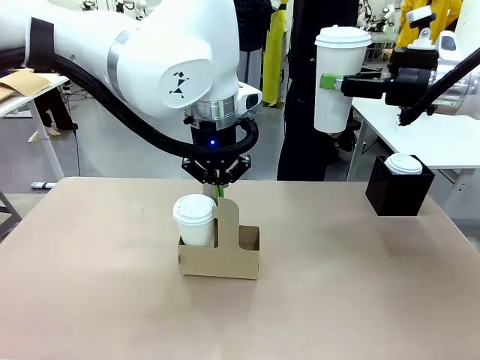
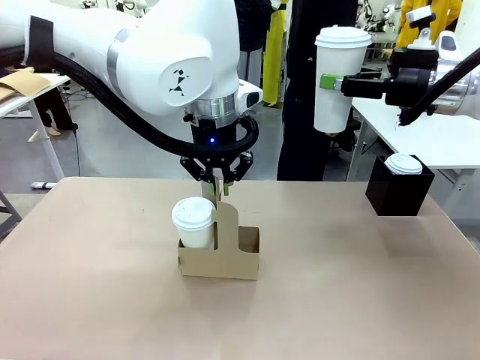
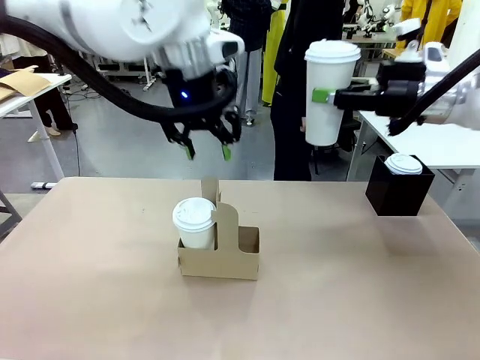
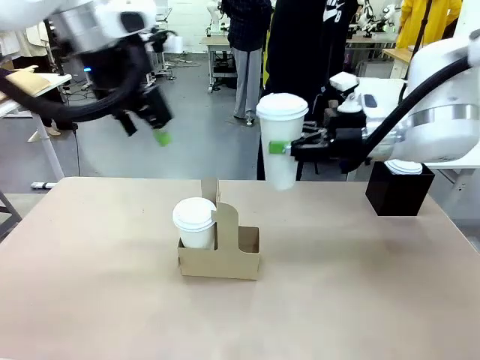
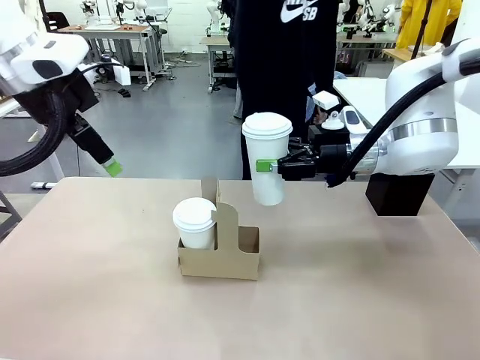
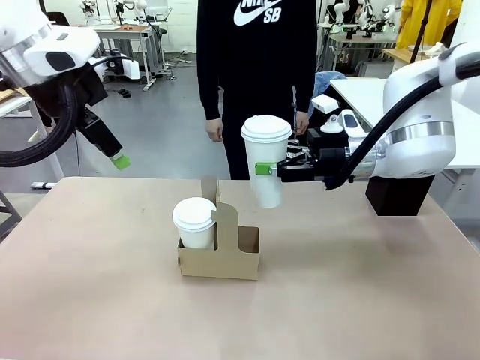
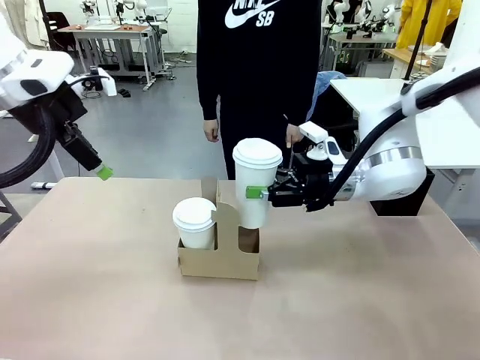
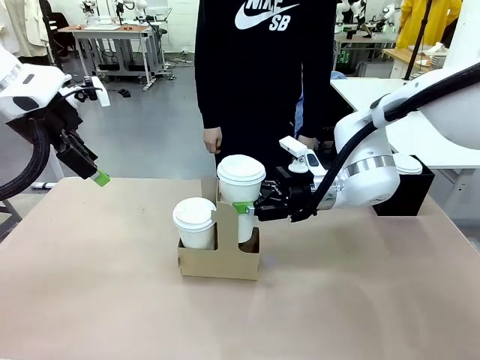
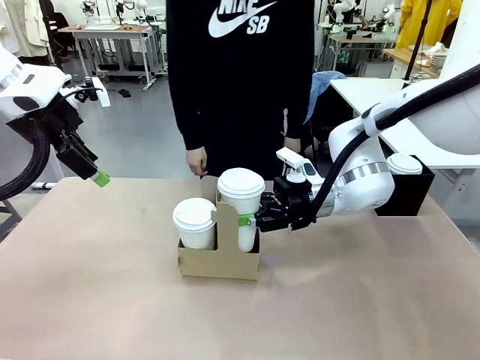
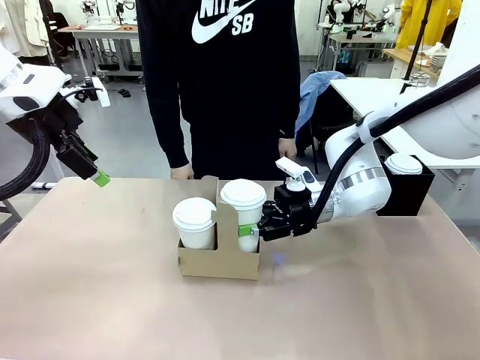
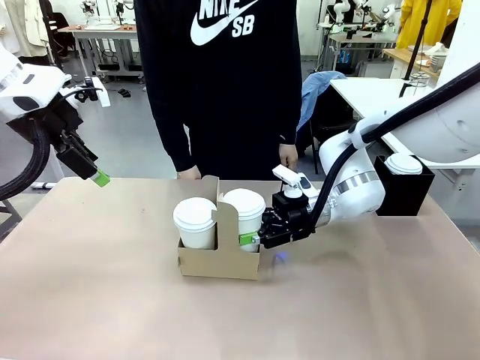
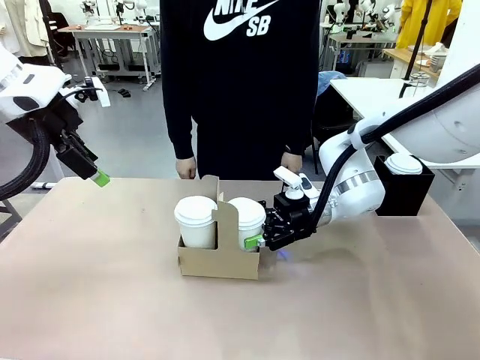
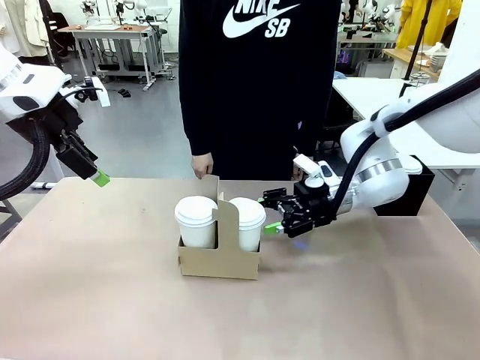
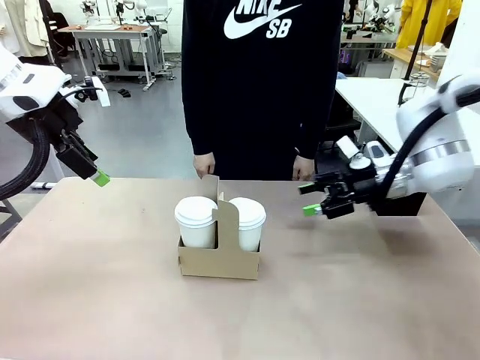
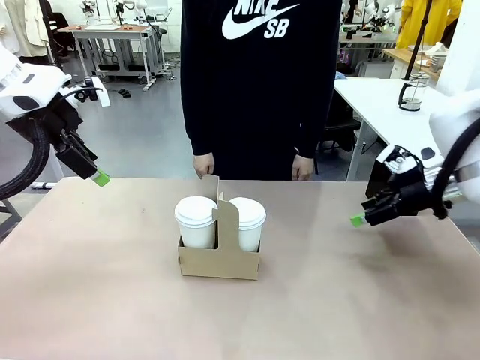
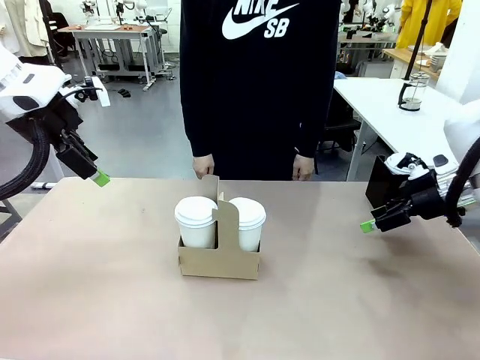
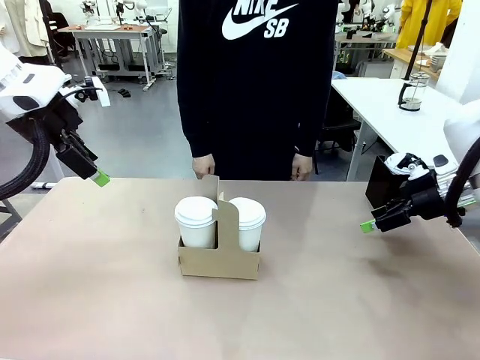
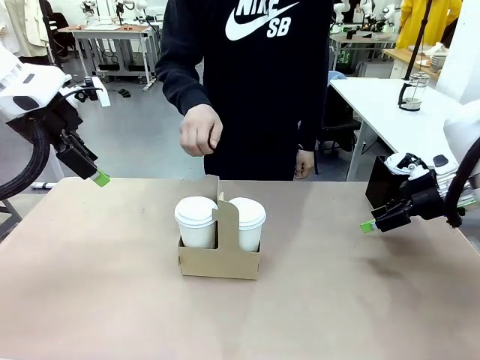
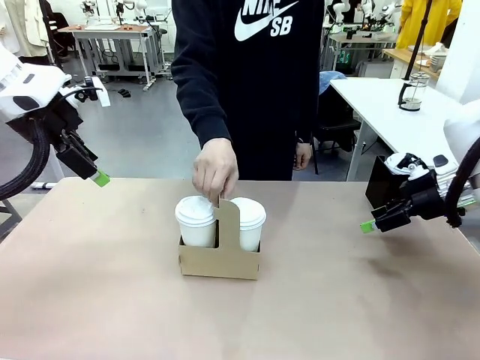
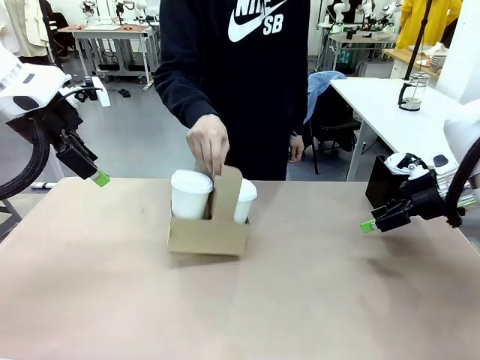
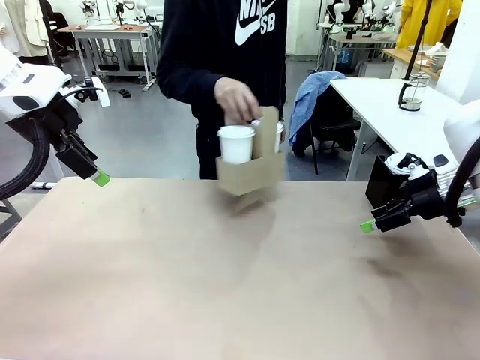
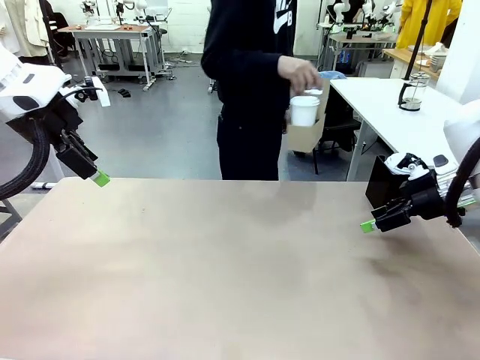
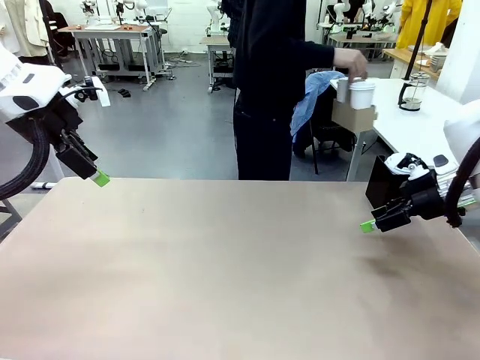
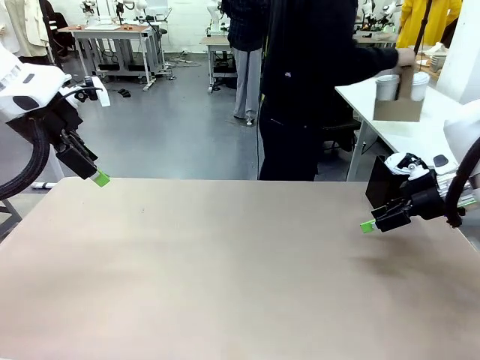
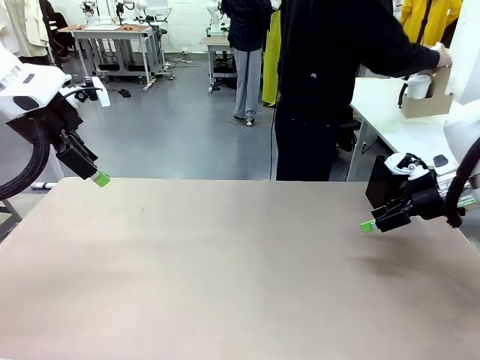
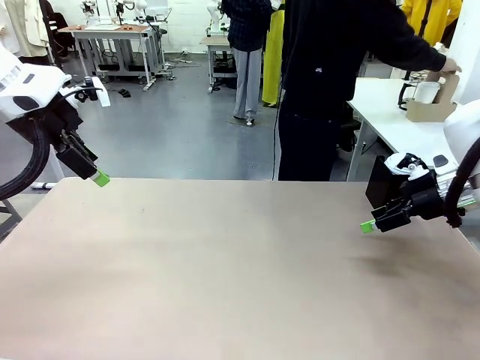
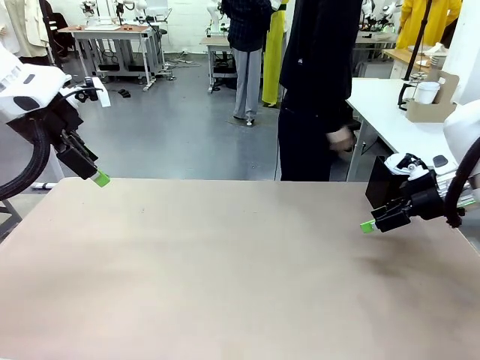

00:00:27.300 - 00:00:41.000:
Task: Pour a drink into a cup and package it in a carrier.
Robot: Insert the held 600 ml Paper Cup into the Cup Carrier.
Person: Place the Cup Carrier to the middle of Human table.

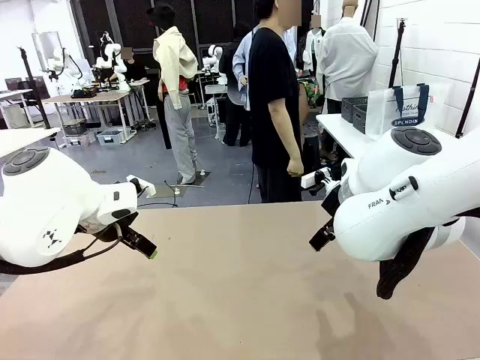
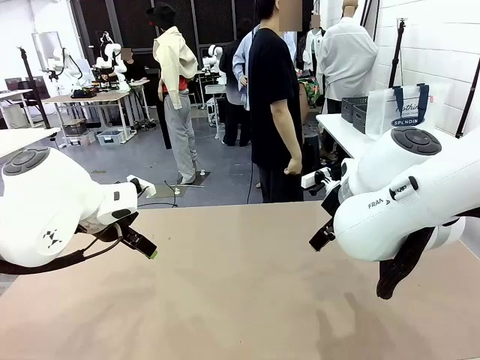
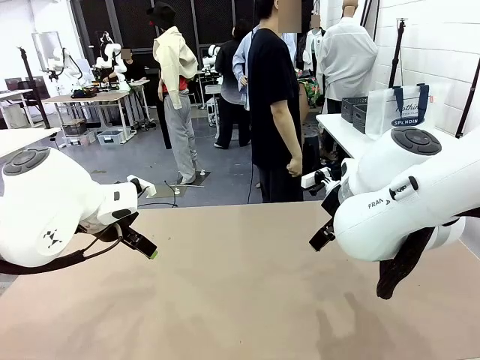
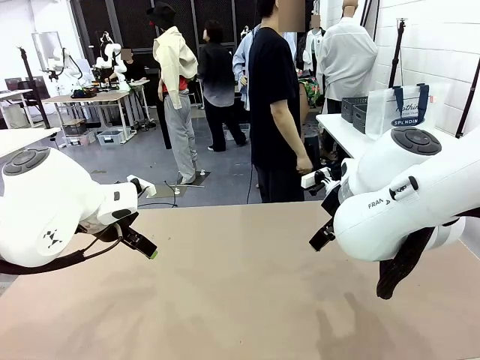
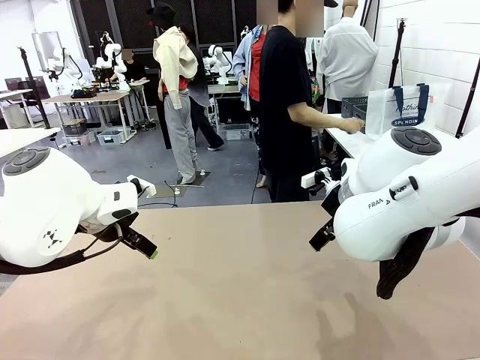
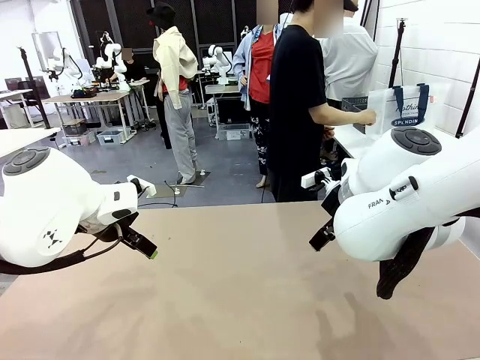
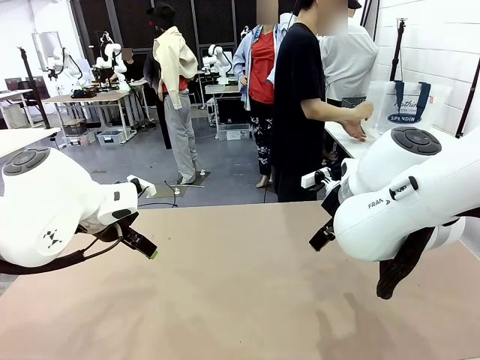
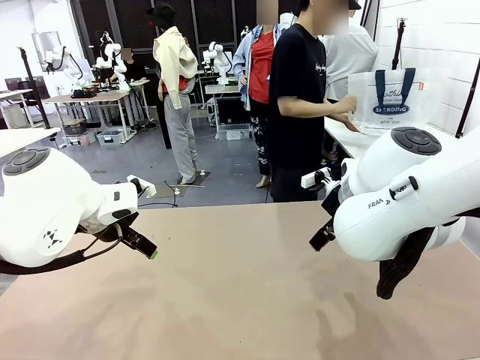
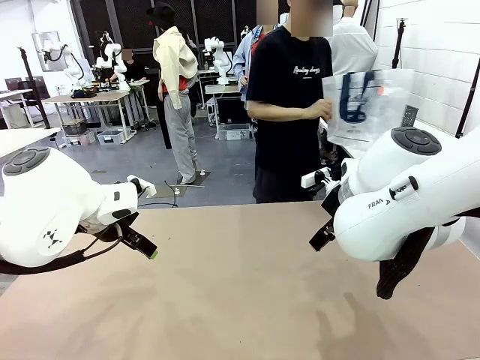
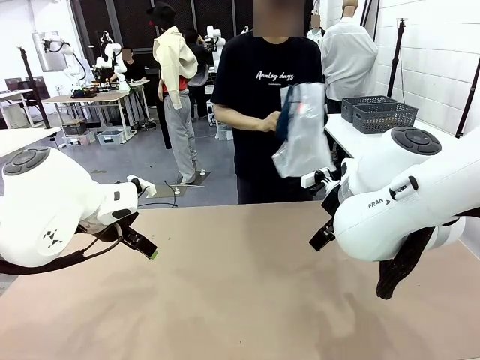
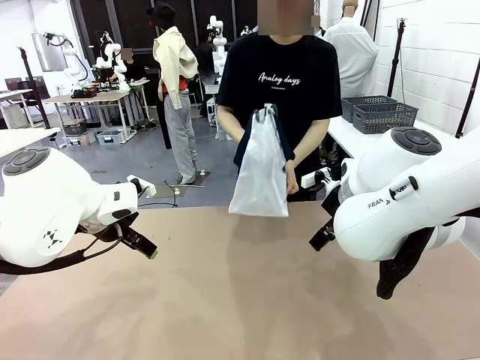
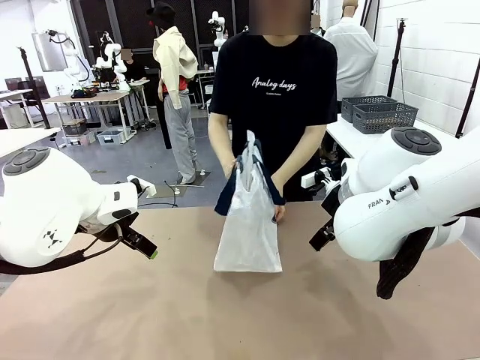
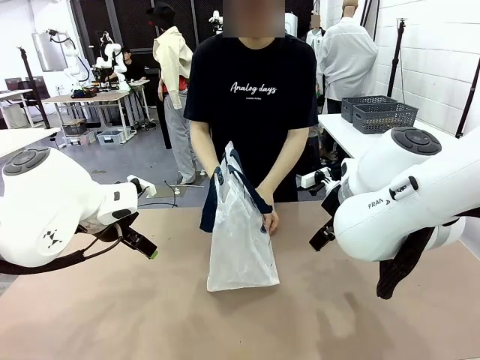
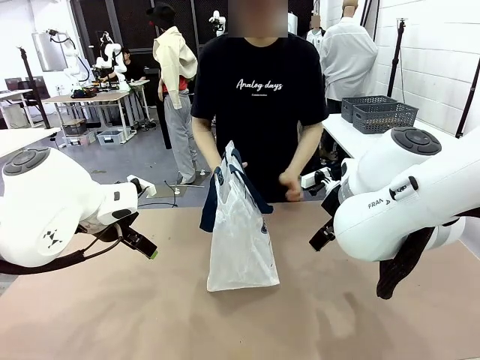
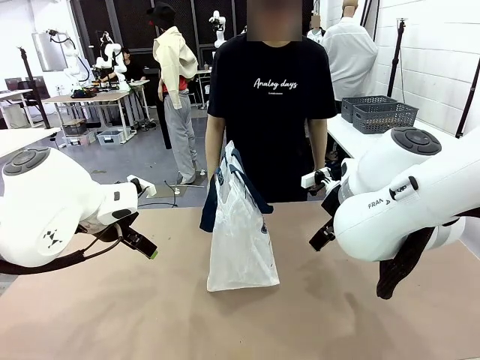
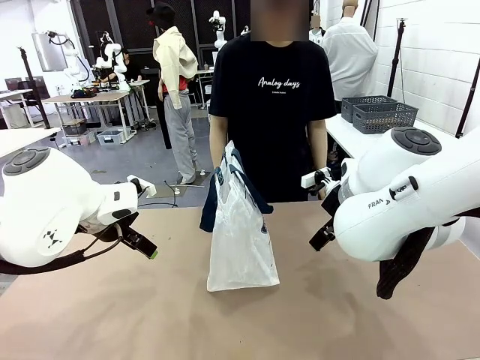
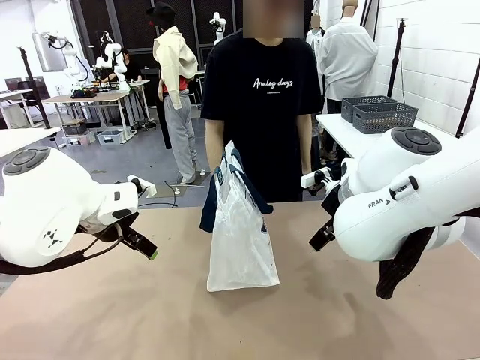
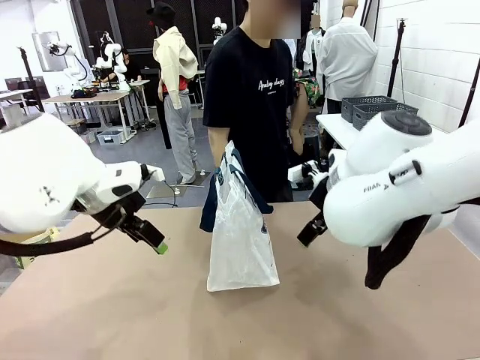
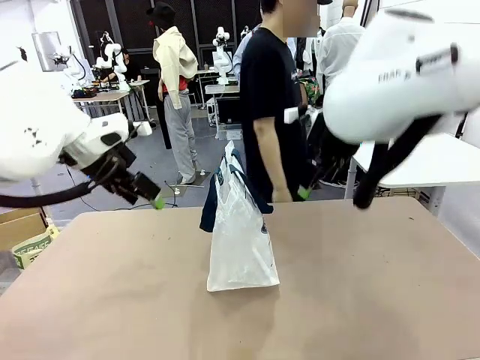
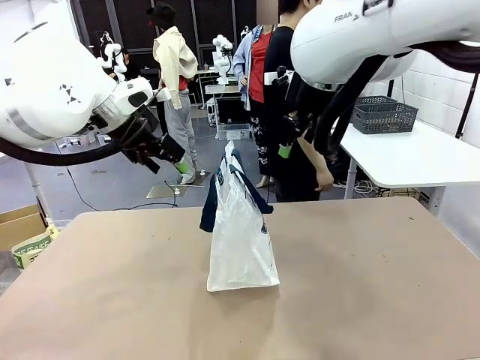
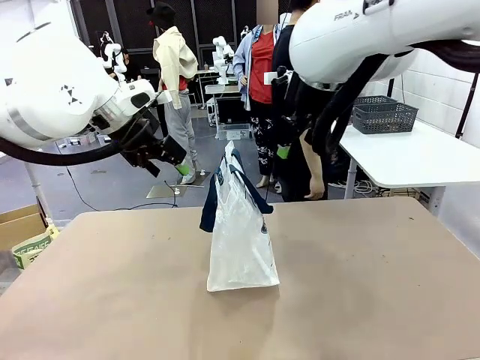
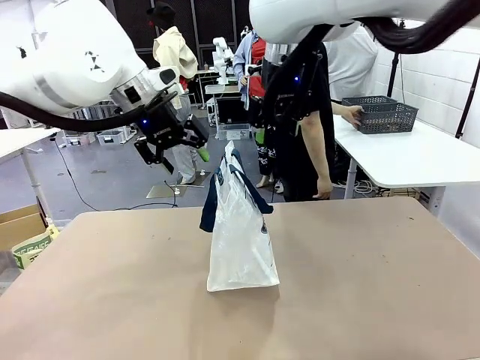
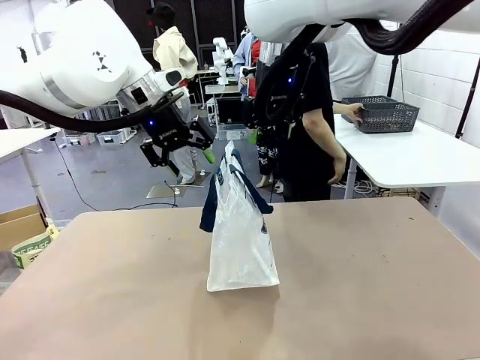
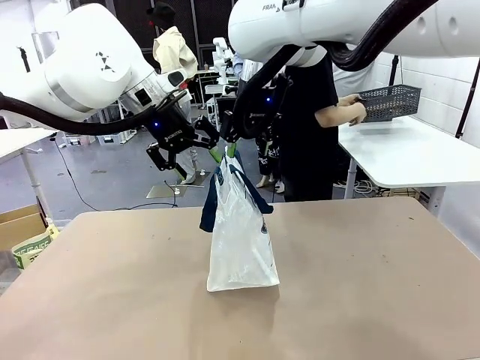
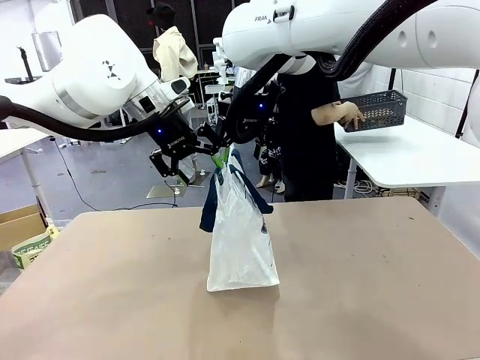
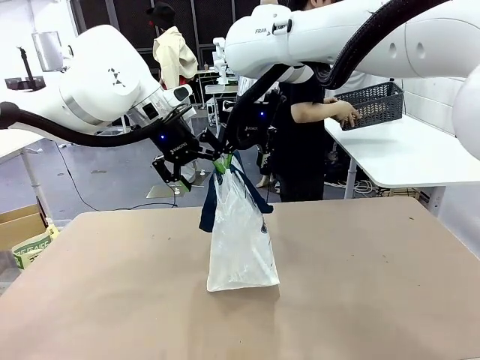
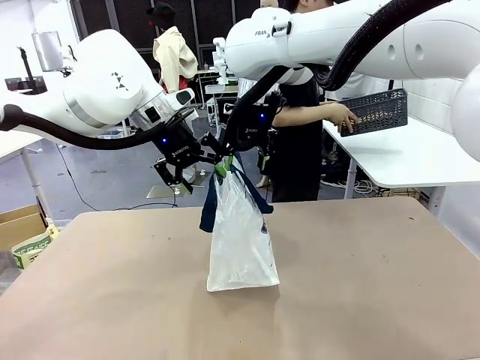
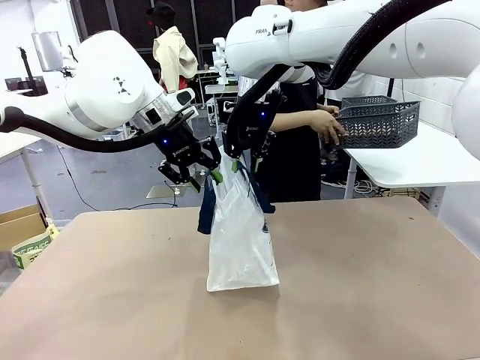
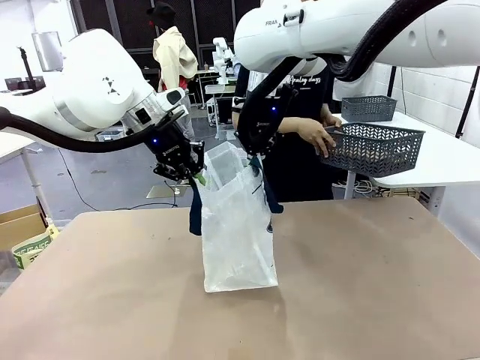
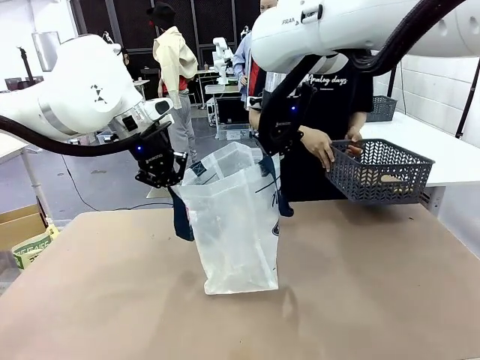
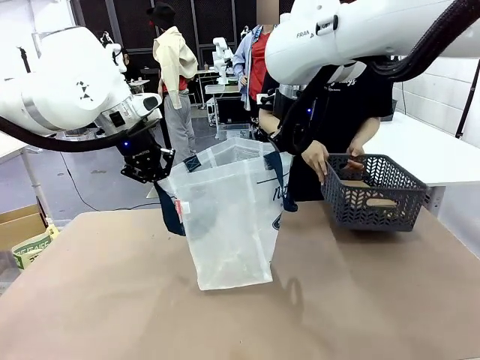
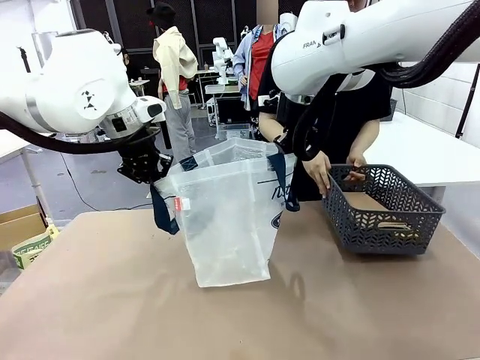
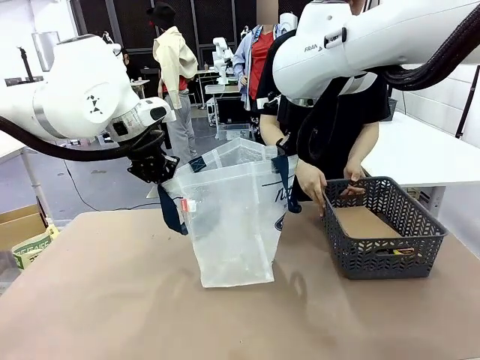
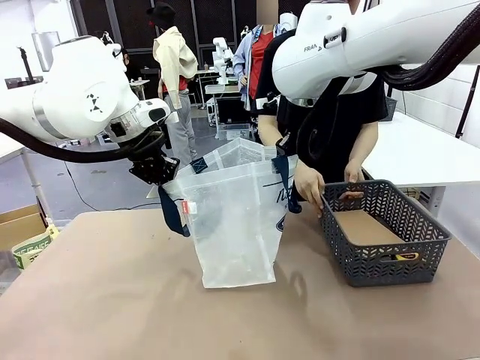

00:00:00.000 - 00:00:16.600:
Task: Transfer purchased items from the store into the shopping bag.
Robot: Open the Reusable shopping bag in the center of the table.
Person: Pick up the shopping bag and place it in the middle of the robot table.
